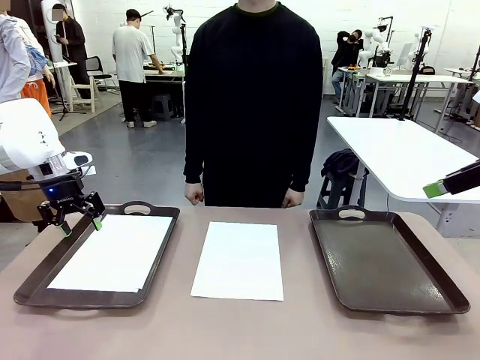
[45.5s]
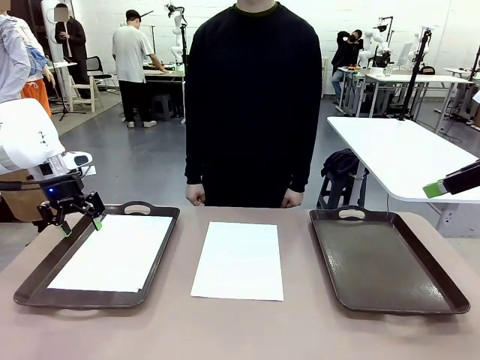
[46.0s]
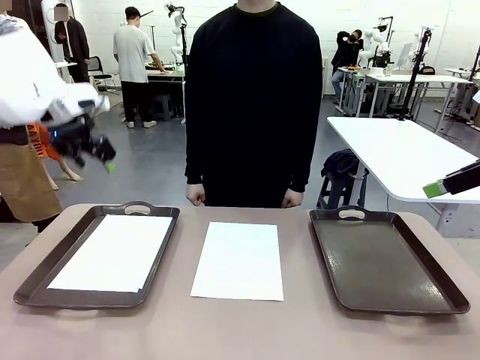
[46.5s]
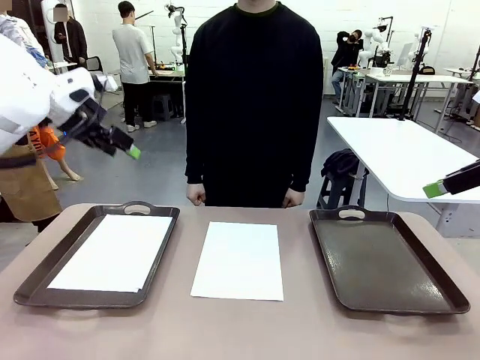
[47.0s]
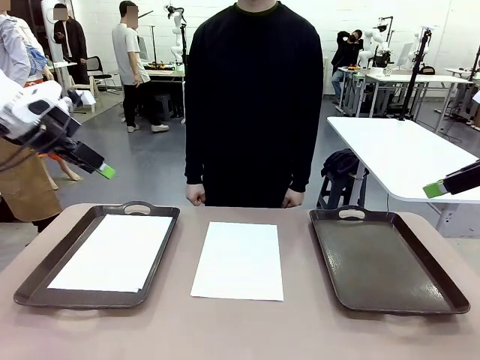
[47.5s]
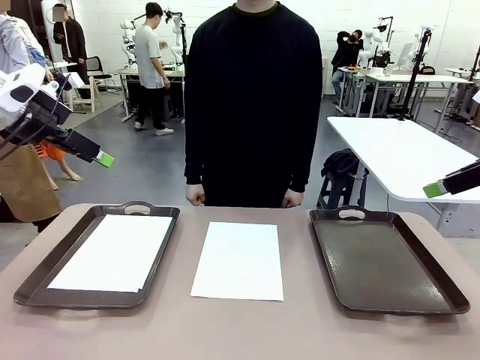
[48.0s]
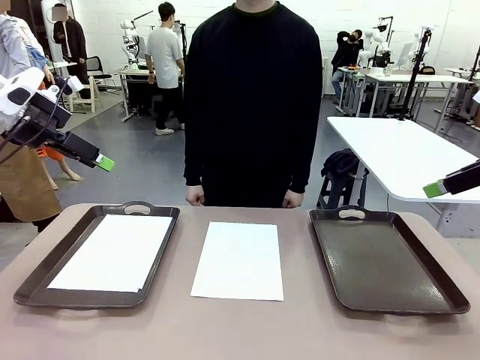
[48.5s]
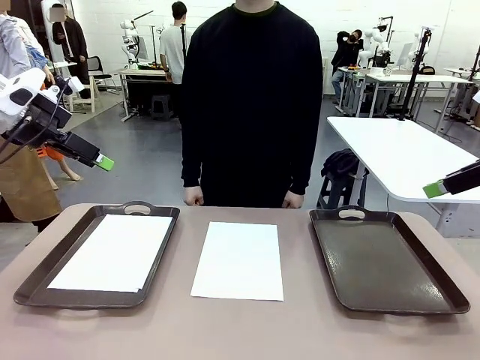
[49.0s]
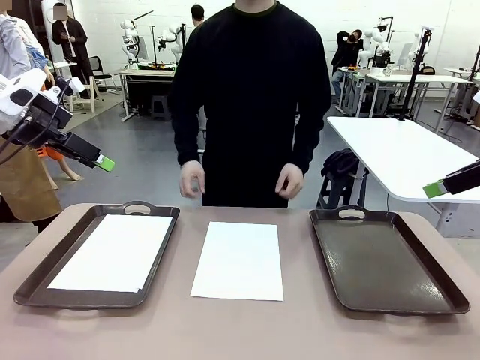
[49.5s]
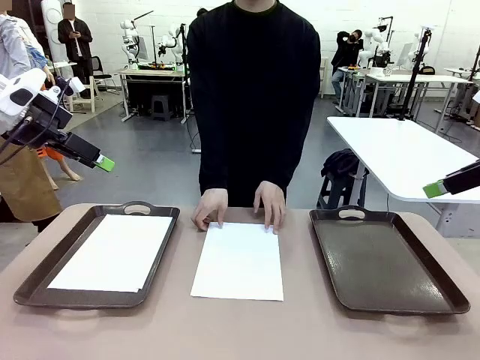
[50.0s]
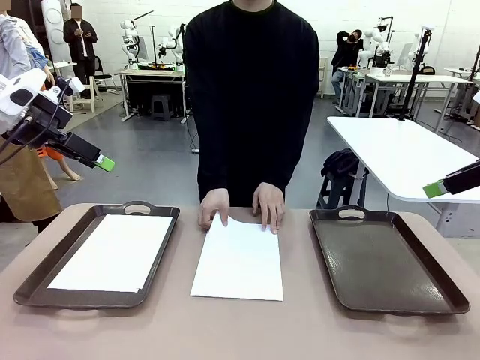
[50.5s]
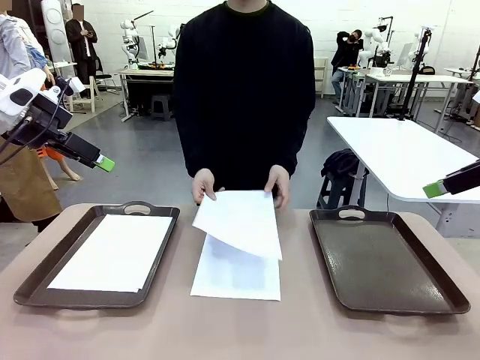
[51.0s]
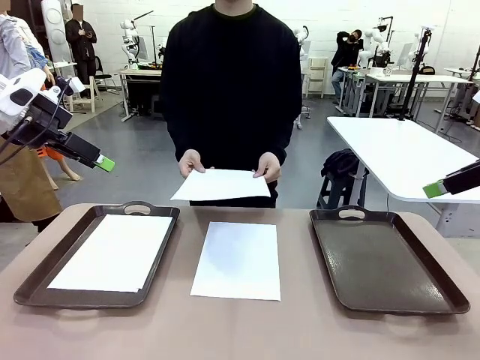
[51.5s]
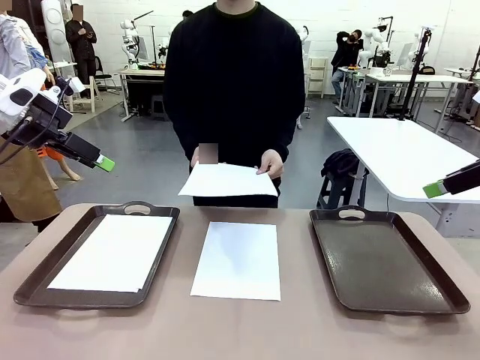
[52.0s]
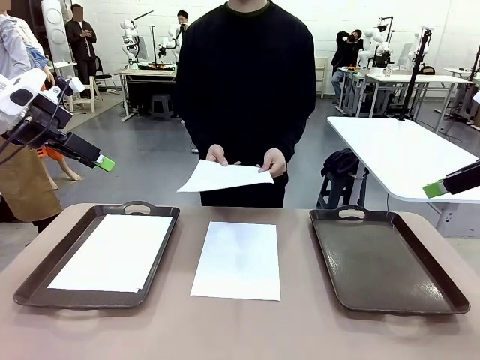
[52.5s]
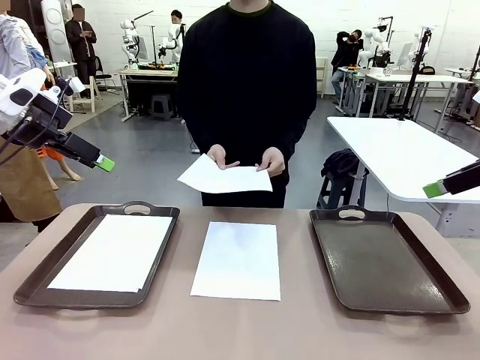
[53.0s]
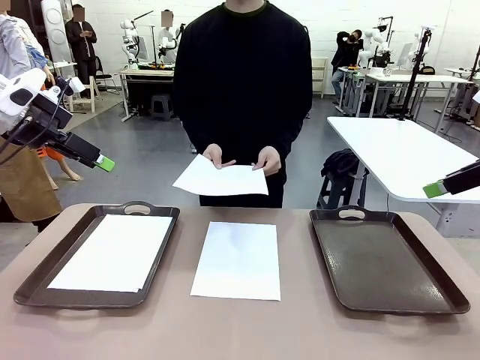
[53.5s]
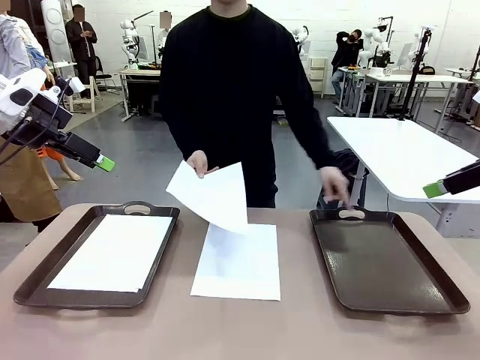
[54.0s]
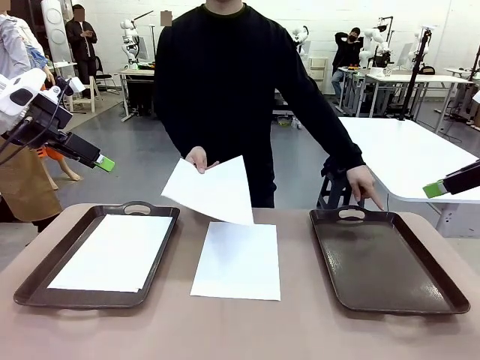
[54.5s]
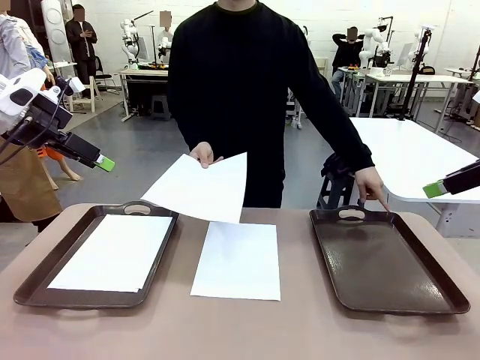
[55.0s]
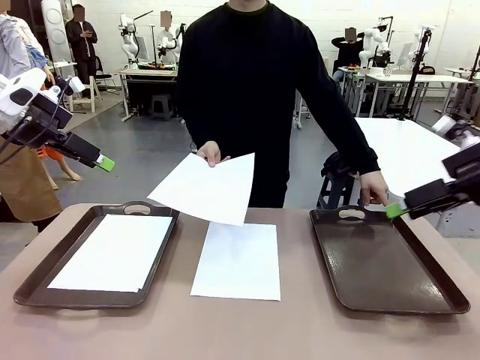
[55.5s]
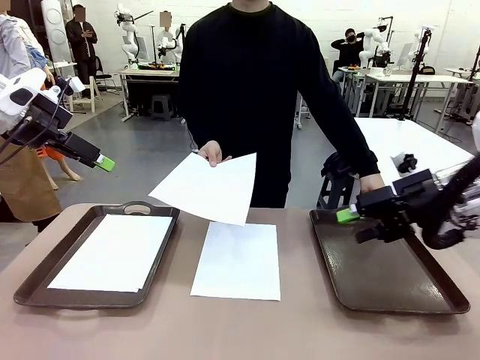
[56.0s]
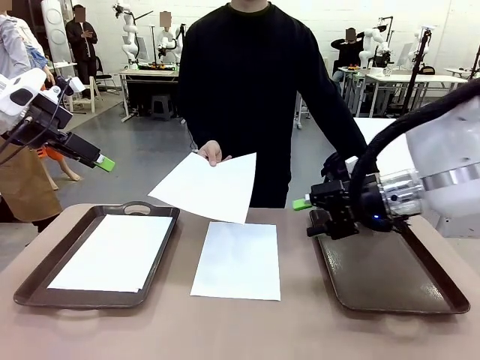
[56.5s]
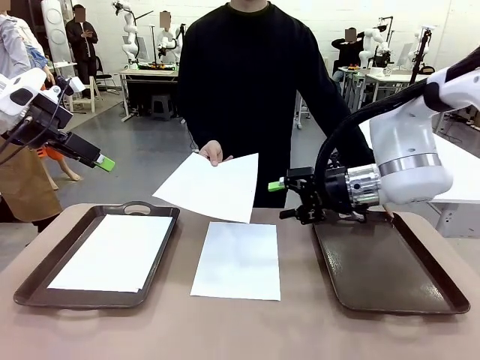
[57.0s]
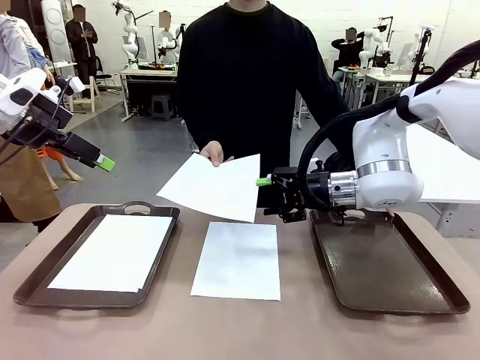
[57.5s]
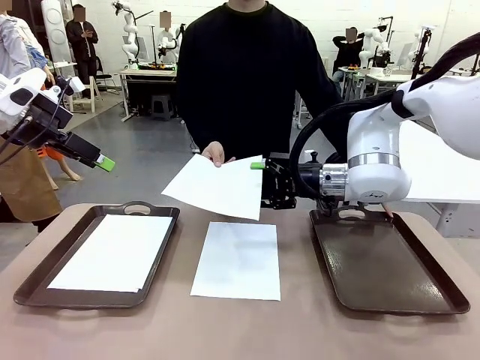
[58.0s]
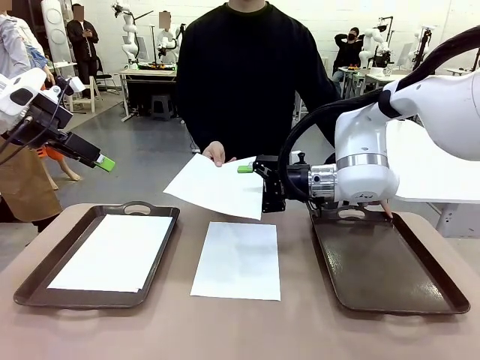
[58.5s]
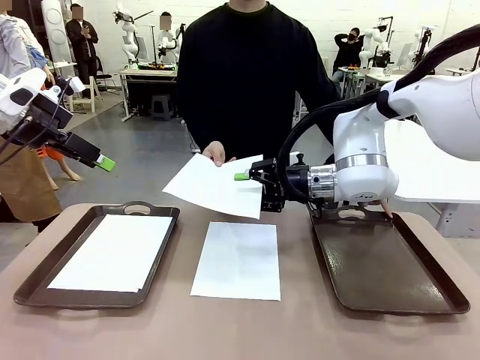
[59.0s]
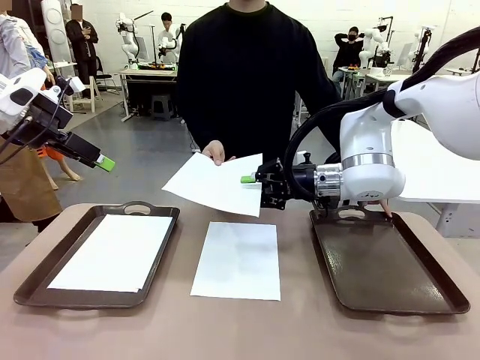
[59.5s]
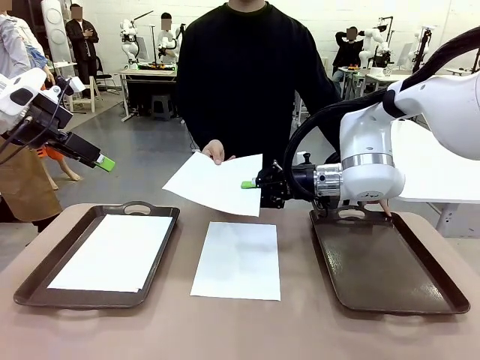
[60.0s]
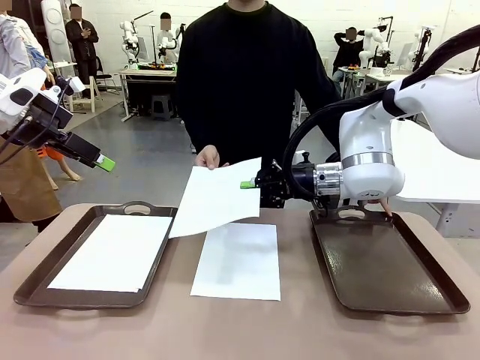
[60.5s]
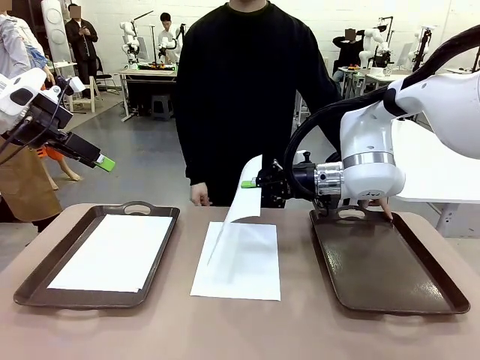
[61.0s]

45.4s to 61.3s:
Task: Sort the A4 documents.
Robot: Receive the A4 Paper.
Person: Point the randomly selected tray with the other hand.

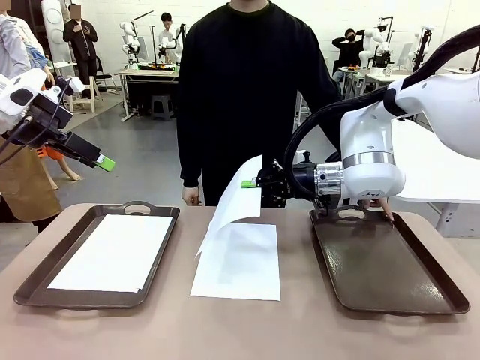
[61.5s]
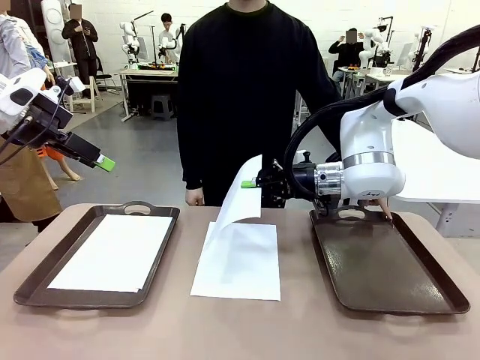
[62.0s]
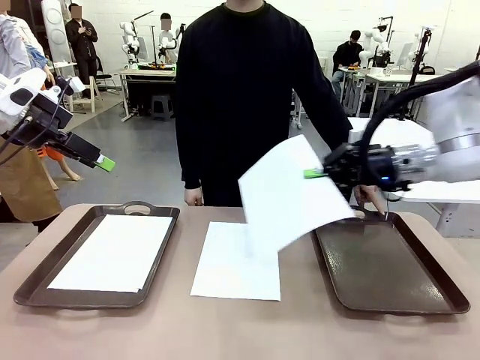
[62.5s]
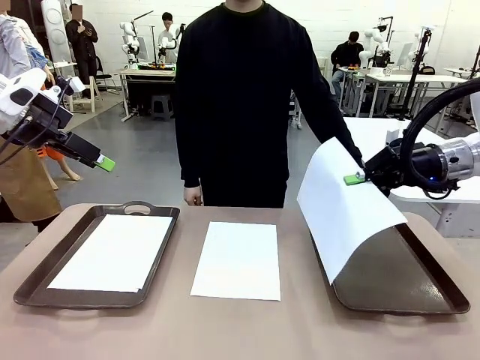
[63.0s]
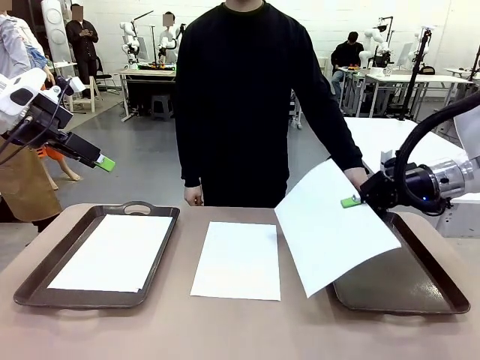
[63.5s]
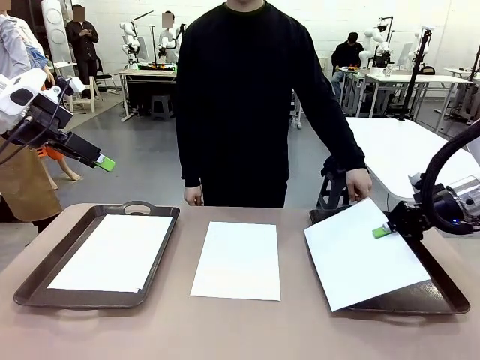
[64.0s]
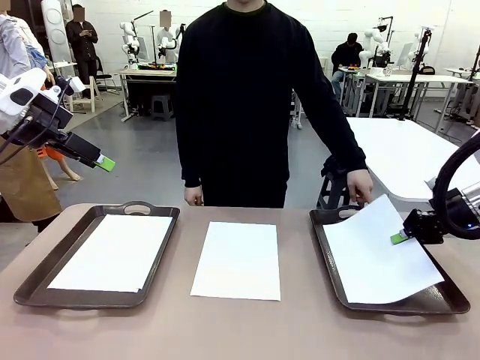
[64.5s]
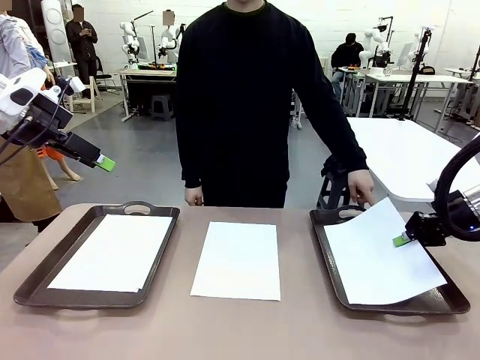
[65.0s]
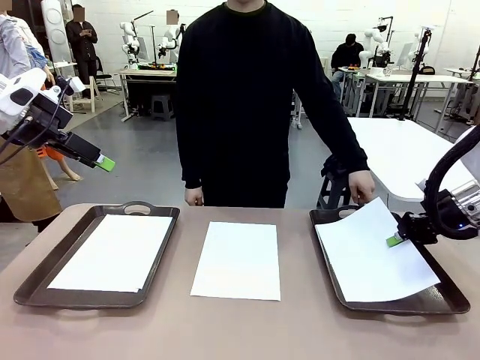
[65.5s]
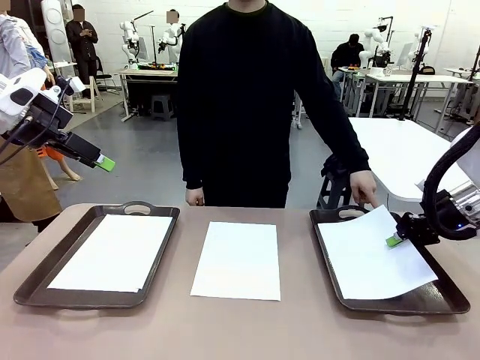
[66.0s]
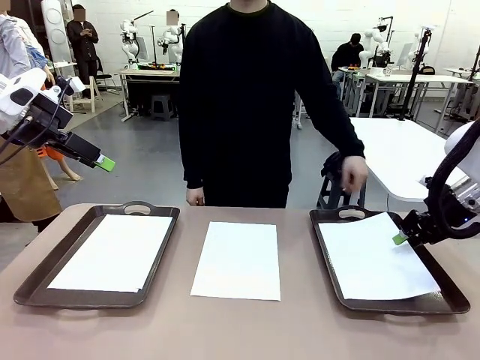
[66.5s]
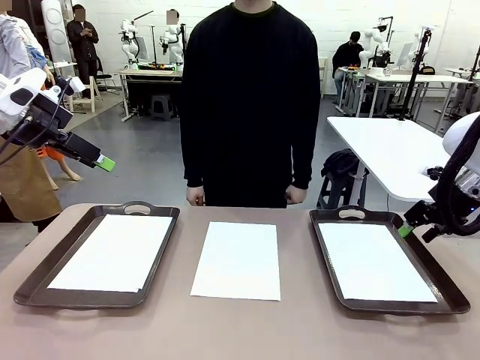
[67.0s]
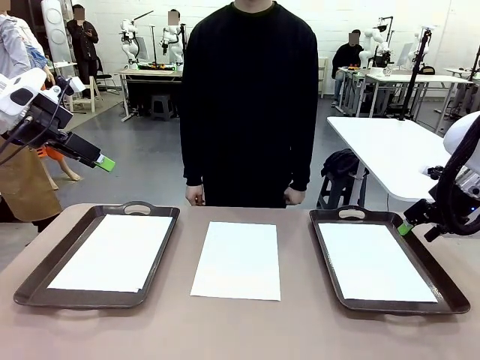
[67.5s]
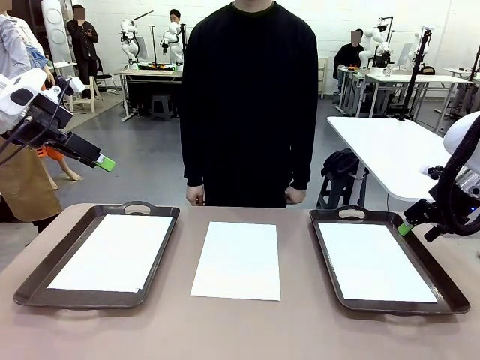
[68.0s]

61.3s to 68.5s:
Robot: Place the A4 Paper in the designated Handle tray.

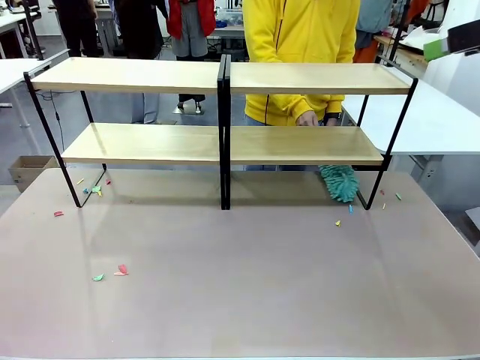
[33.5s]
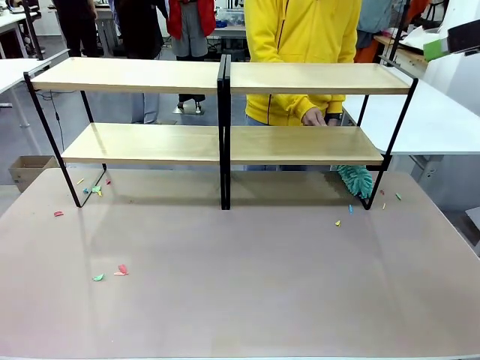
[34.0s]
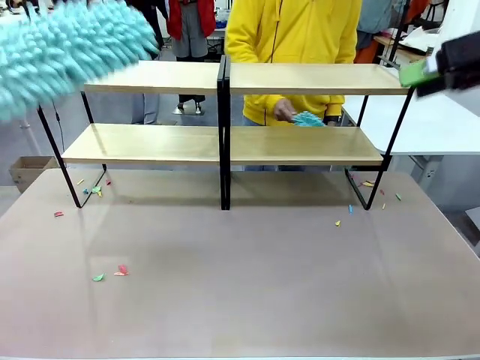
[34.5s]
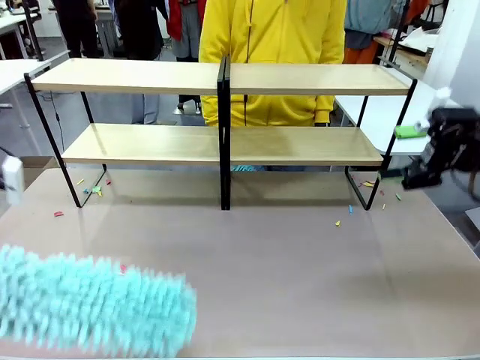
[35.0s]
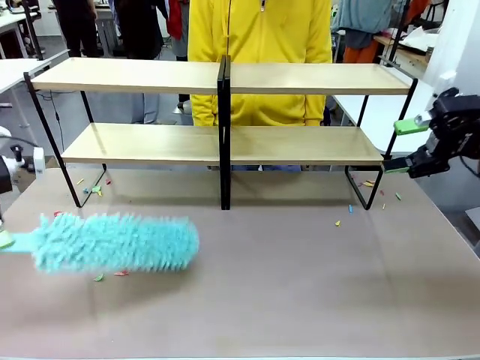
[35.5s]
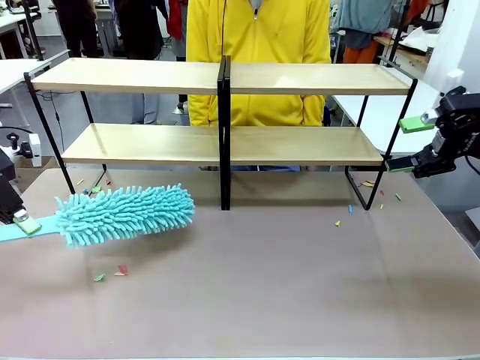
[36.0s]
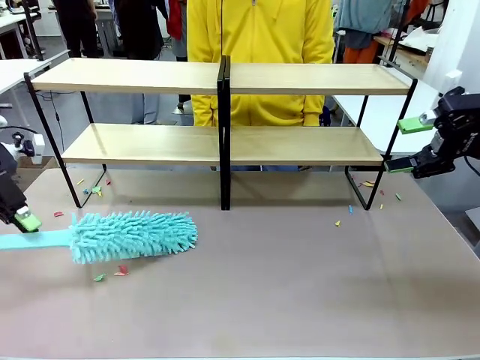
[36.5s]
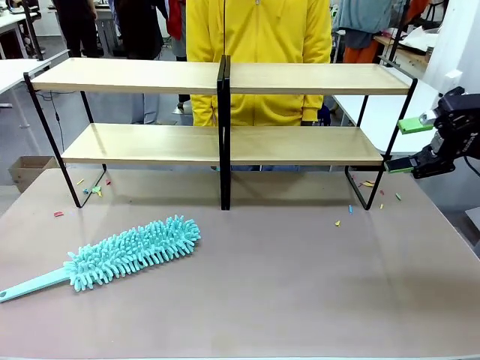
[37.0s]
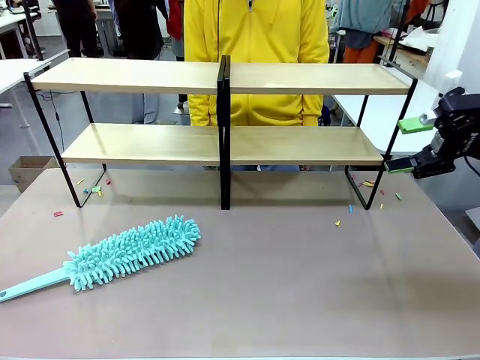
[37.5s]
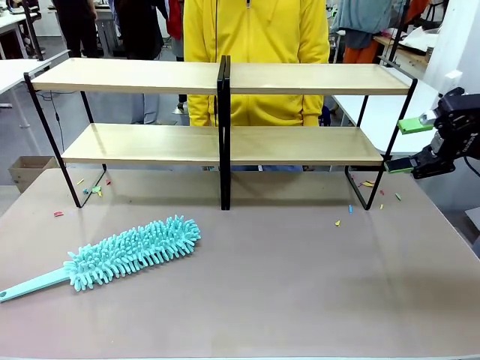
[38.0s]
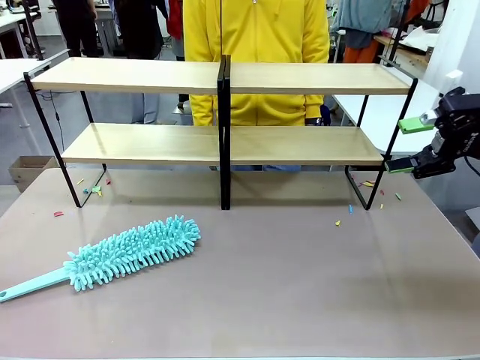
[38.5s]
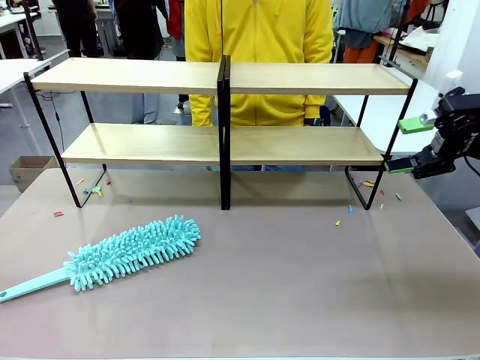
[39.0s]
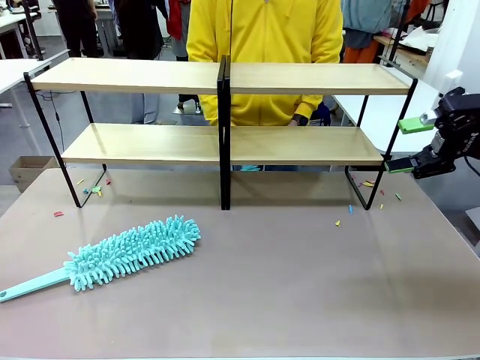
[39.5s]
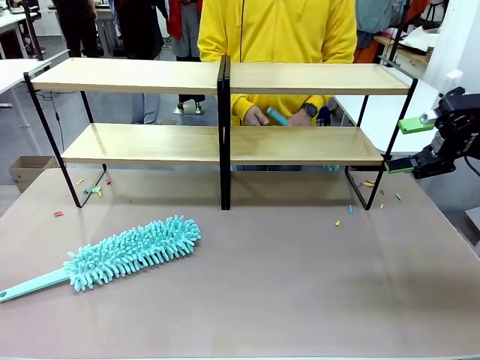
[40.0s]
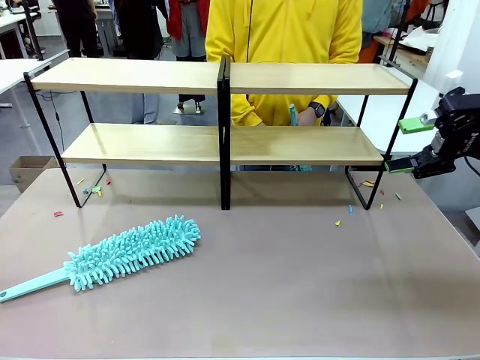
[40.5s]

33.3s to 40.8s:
Task: Clean the shelves.
Robot: Place the Duster on the table.
